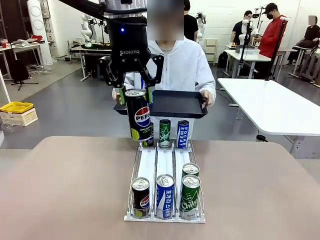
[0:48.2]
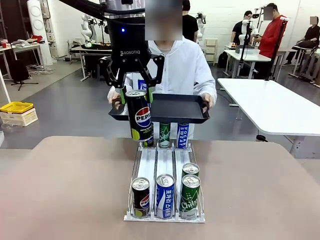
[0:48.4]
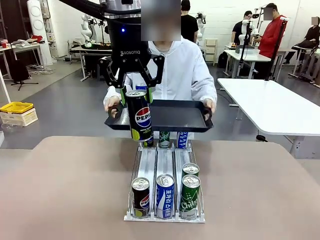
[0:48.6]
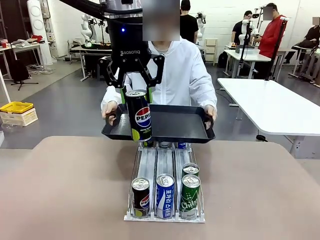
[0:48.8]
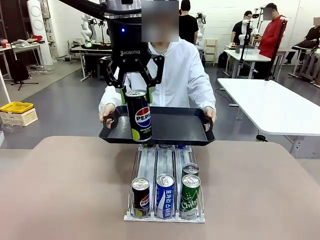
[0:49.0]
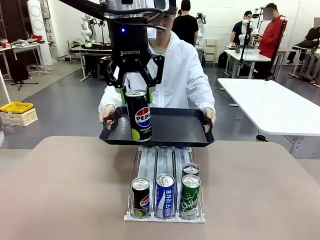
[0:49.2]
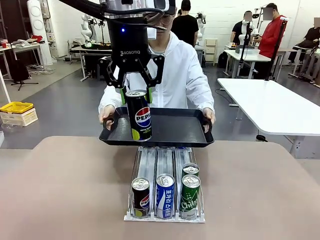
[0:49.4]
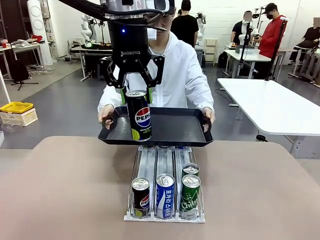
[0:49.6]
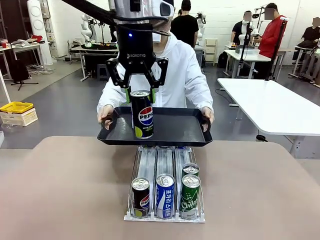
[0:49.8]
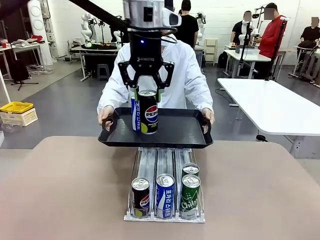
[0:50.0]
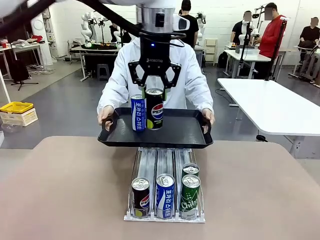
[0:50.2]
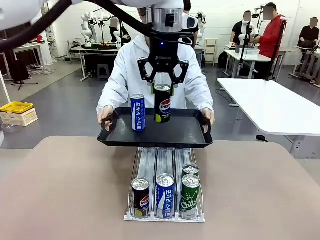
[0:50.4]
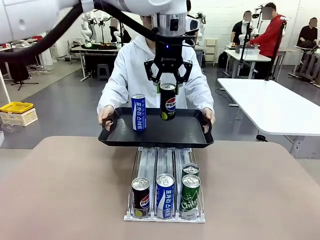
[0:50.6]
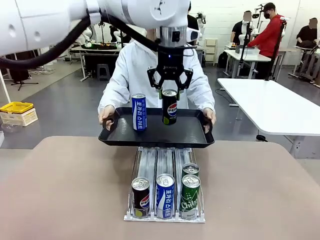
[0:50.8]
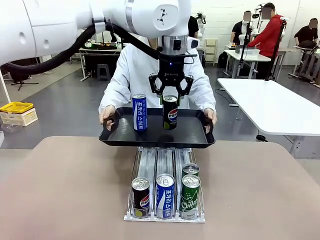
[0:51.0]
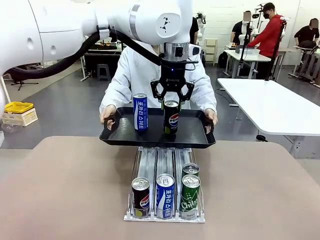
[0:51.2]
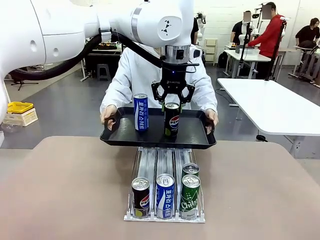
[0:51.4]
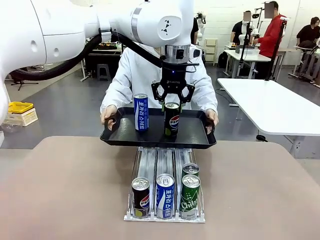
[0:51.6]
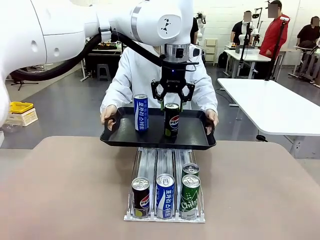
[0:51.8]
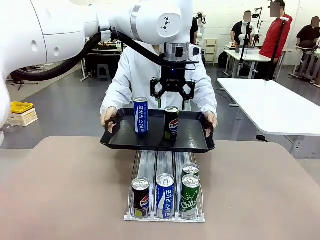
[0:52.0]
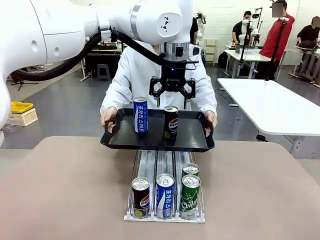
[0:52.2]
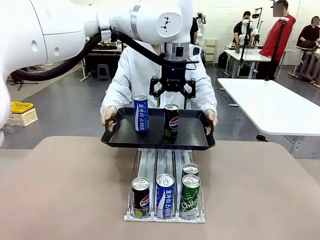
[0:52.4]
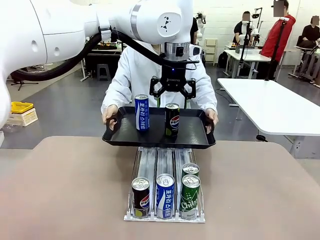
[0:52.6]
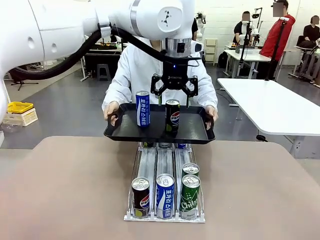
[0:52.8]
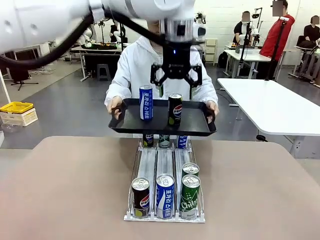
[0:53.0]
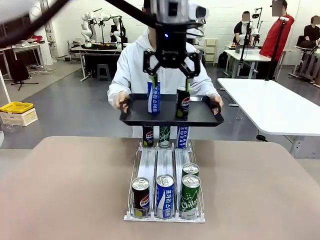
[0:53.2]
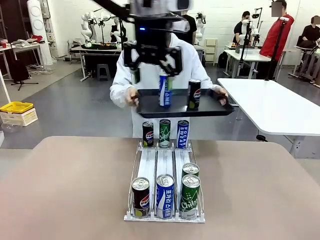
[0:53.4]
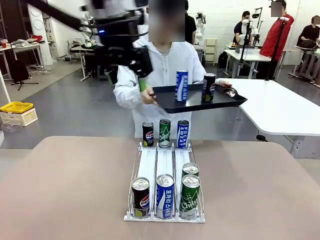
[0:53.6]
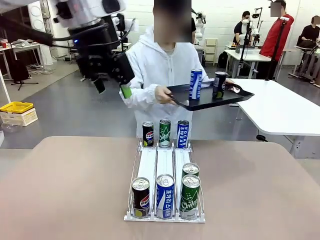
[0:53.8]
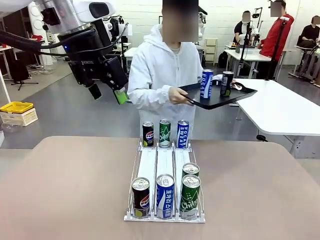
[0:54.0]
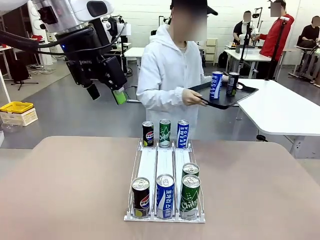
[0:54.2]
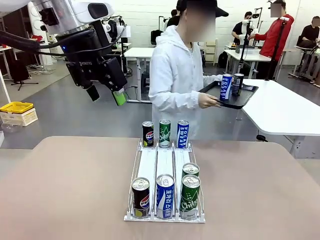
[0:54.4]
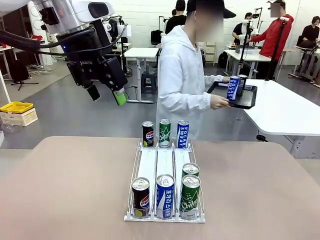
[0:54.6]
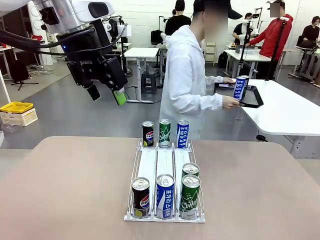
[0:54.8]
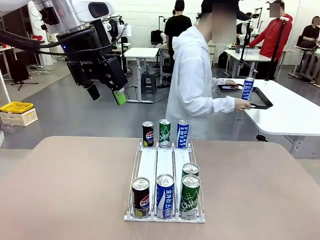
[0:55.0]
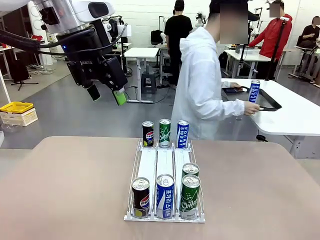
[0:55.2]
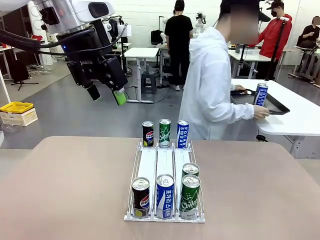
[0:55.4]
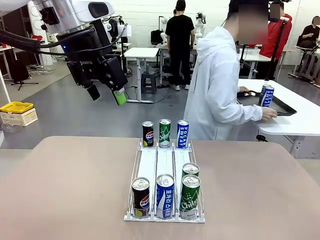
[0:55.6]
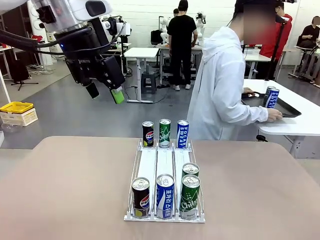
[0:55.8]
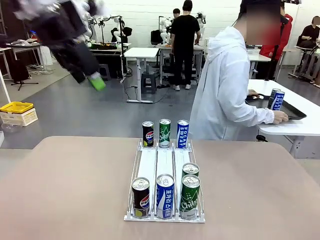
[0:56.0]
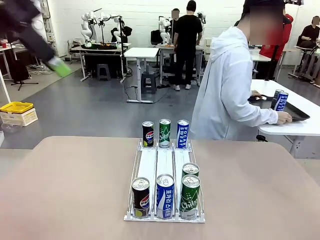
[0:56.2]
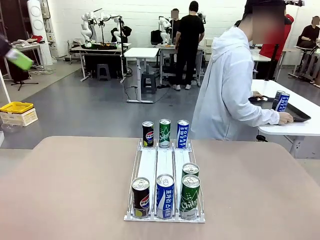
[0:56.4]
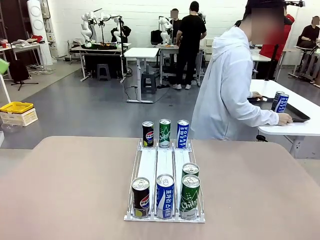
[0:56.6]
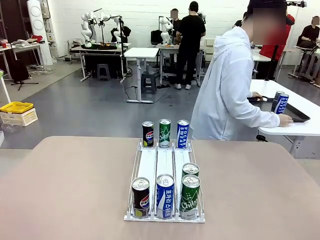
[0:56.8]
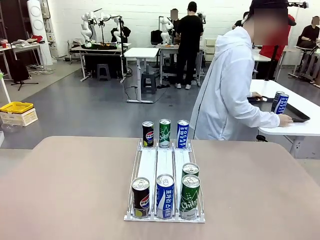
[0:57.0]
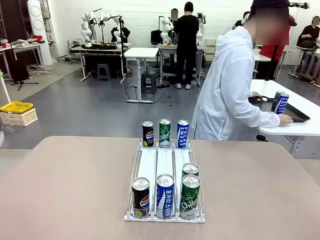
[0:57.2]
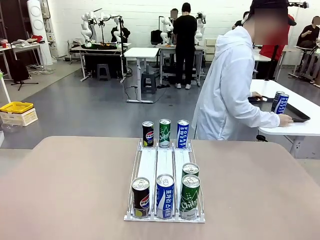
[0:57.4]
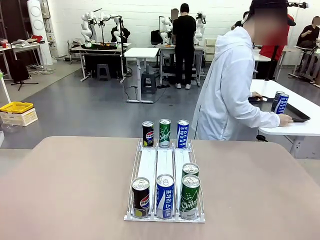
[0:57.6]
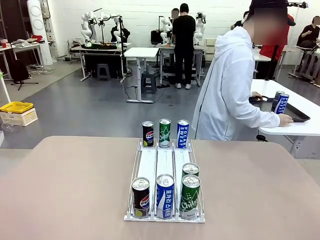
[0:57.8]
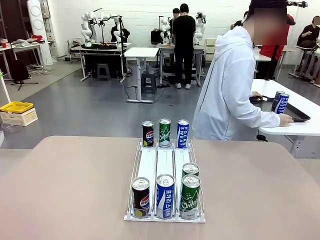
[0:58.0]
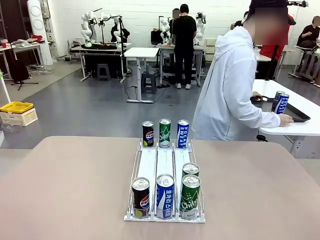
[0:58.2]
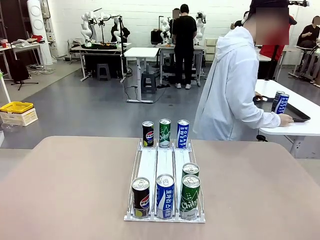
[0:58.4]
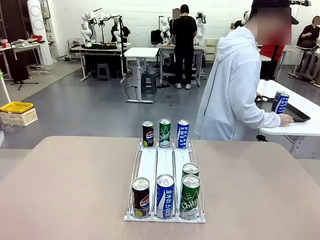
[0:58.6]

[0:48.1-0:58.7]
Task: Retrieve and hand over the desired beverage to the person.
Robot: Place the picked can on the Handle tray extended by the person.
Person: Pull the tray back and place it at the center of the human table.

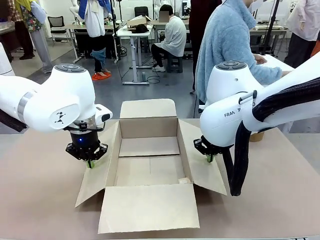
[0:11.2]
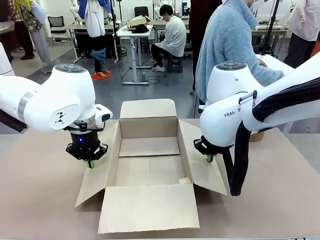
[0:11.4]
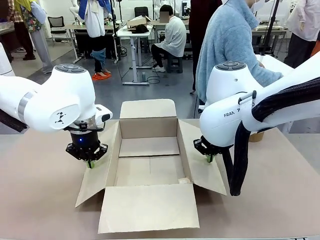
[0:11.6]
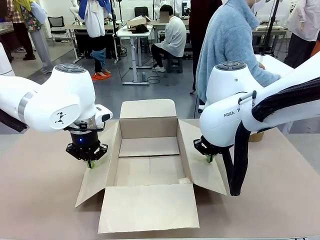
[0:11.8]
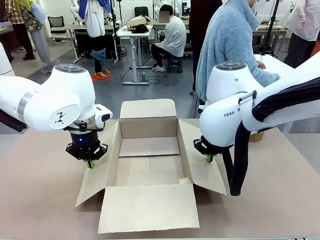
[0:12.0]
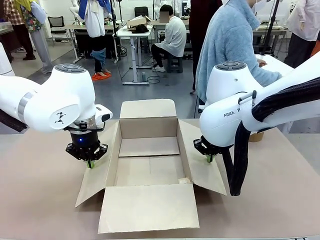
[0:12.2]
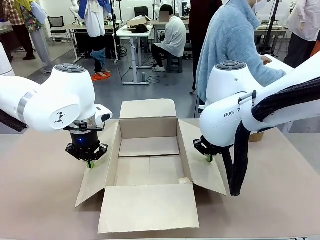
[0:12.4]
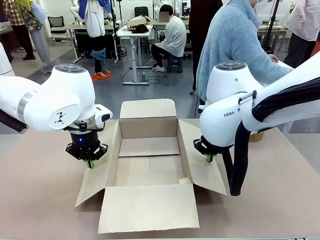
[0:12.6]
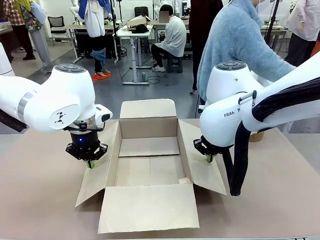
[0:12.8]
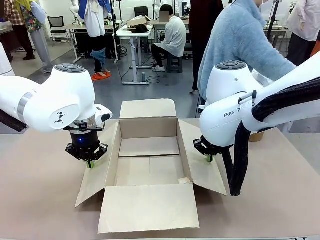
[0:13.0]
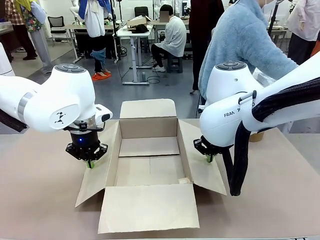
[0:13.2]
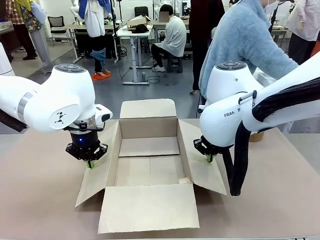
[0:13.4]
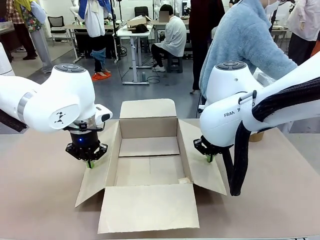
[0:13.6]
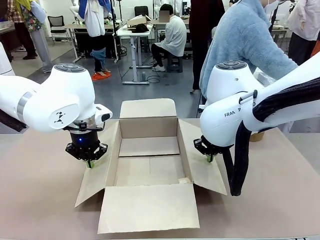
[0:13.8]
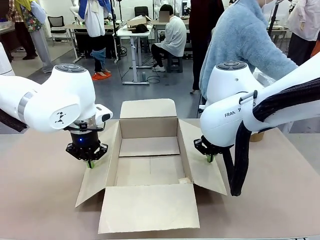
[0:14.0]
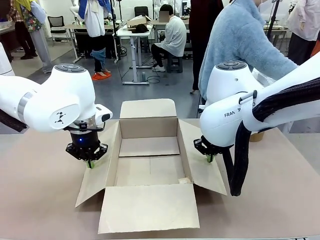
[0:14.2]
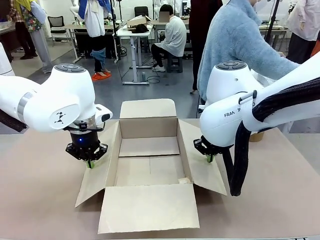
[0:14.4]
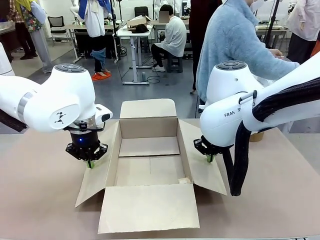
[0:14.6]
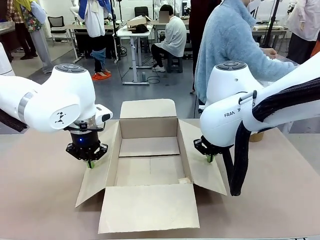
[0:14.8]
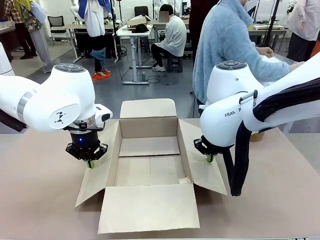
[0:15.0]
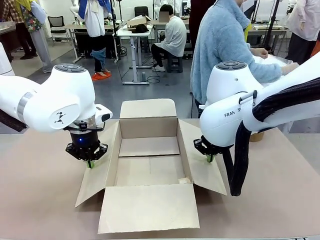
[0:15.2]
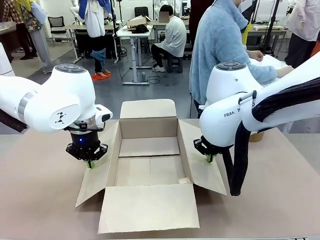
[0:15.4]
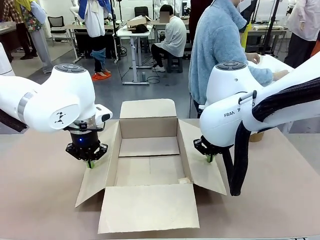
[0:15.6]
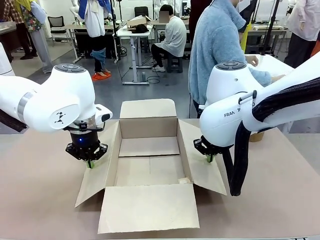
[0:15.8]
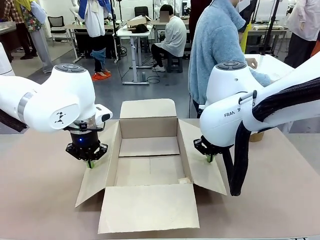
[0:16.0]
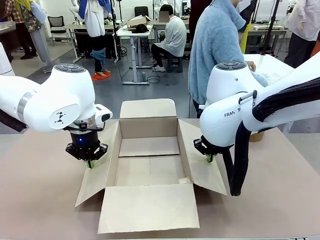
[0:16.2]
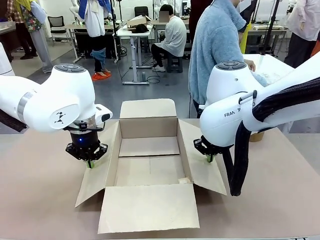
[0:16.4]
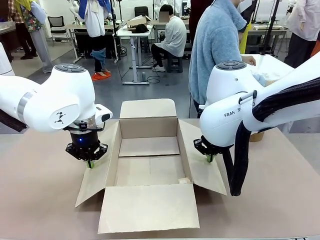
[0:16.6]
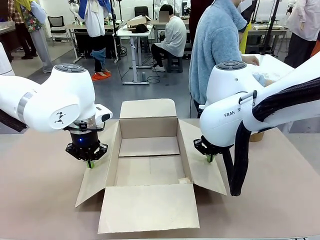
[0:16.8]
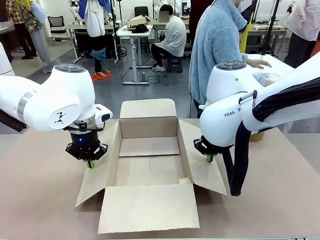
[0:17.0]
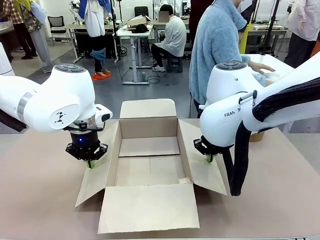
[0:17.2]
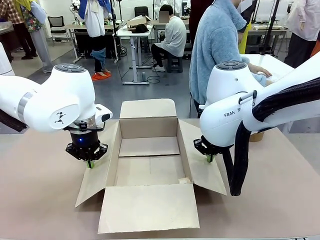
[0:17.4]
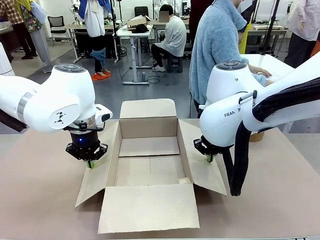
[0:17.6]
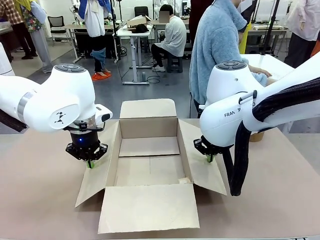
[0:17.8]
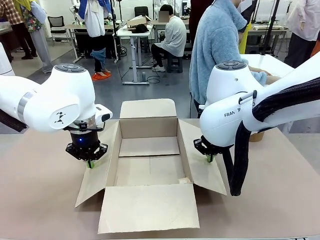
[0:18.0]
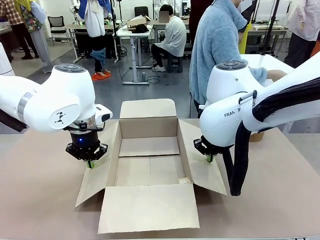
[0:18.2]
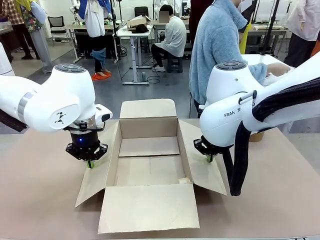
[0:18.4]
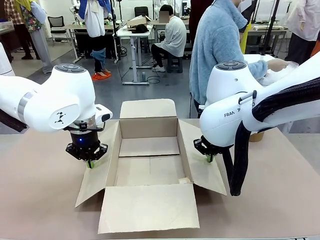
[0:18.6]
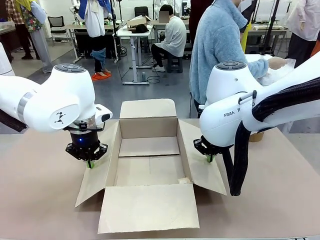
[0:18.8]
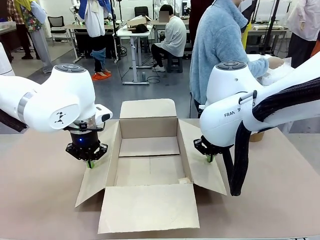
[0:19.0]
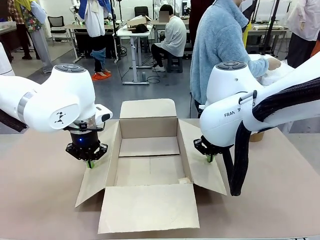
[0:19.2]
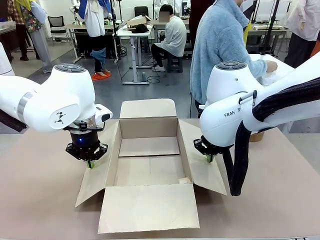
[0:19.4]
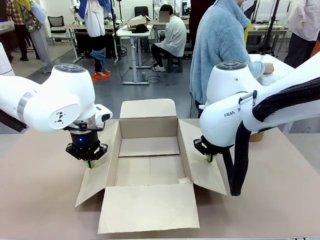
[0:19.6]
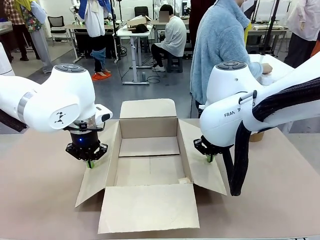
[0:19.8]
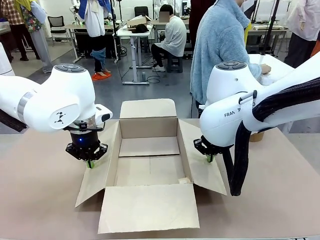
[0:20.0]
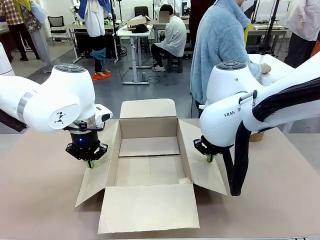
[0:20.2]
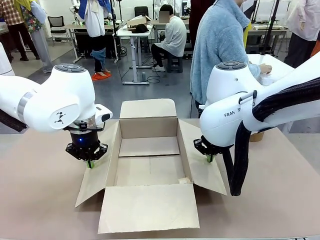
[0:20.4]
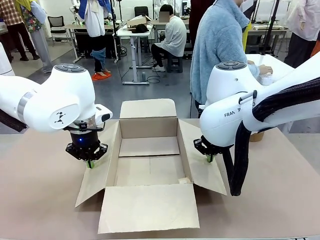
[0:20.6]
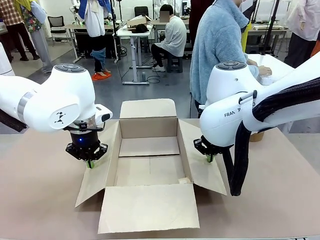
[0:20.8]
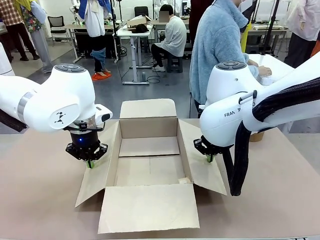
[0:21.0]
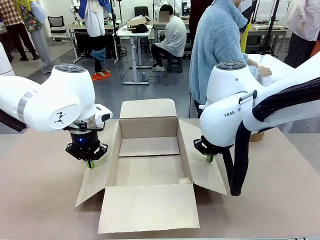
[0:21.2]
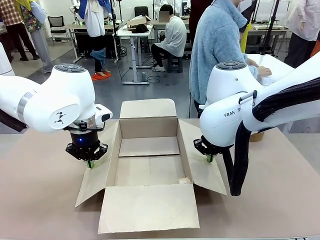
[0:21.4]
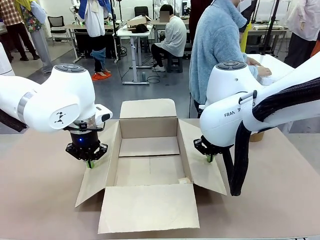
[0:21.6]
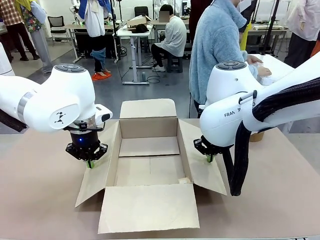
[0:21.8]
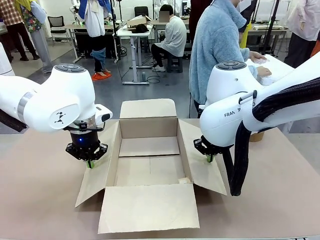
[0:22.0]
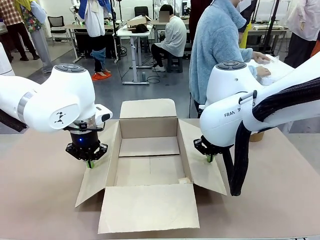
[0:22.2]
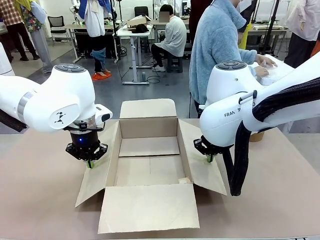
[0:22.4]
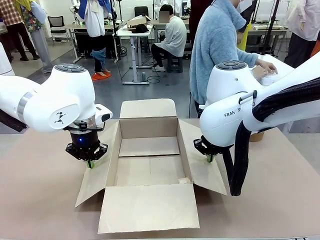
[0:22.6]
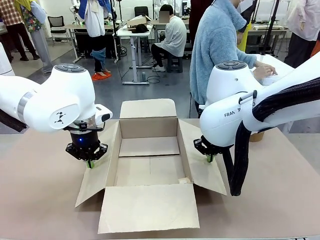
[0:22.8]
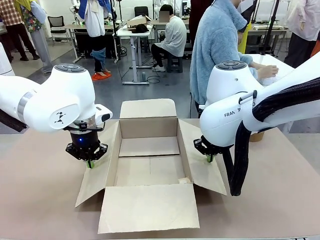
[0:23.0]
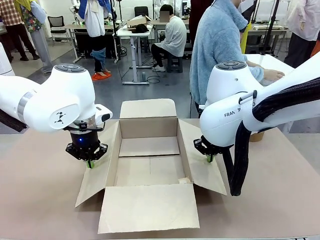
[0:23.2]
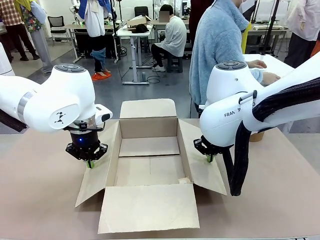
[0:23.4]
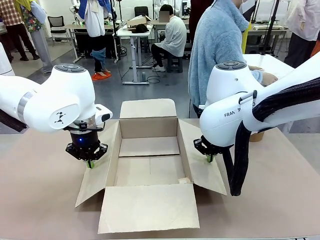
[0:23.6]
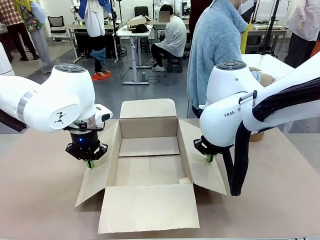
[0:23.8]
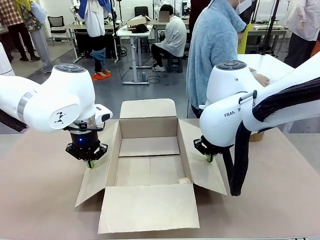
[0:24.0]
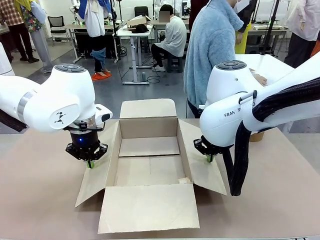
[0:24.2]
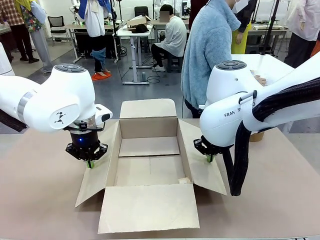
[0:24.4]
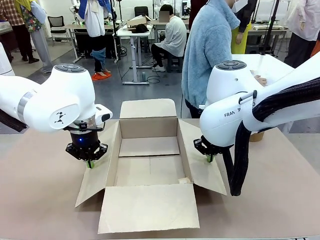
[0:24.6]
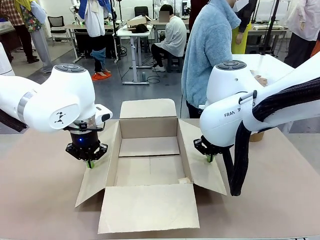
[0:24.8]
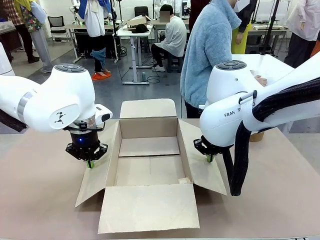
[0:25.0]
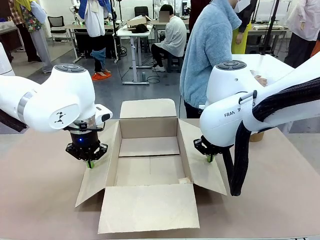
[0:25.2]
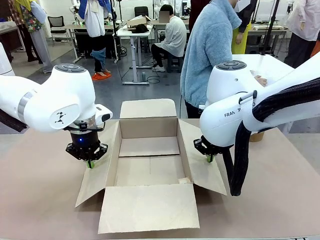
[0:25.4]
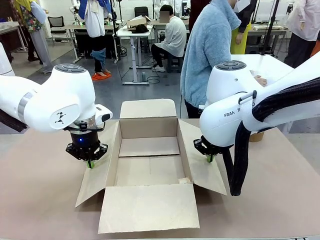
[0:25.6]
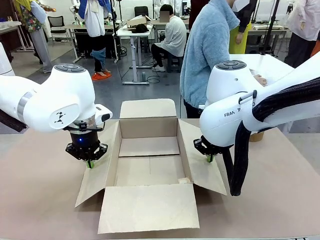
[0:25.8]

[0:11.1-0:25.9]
Task: Wrap the clocks to prevent damage.
Robot: Once the human has placed the objects inside and stepped back, release both hands from the side flaps of the Package Box.
Person: Wrap the two Digital clocks with Bubble Wrap.
